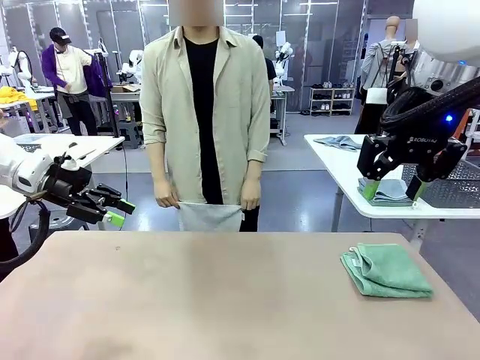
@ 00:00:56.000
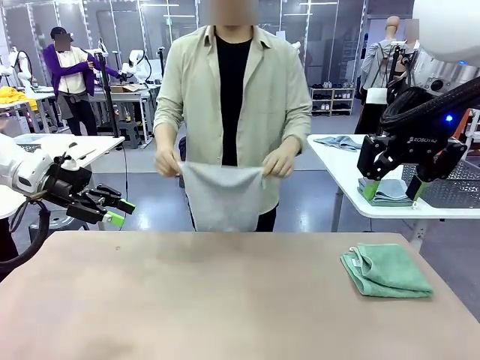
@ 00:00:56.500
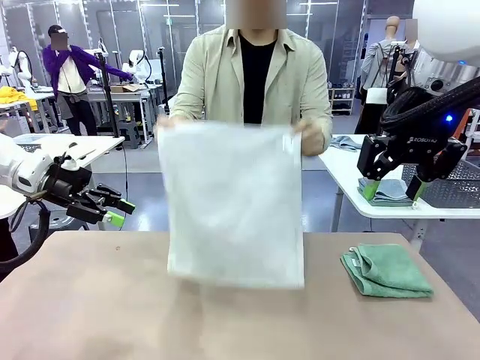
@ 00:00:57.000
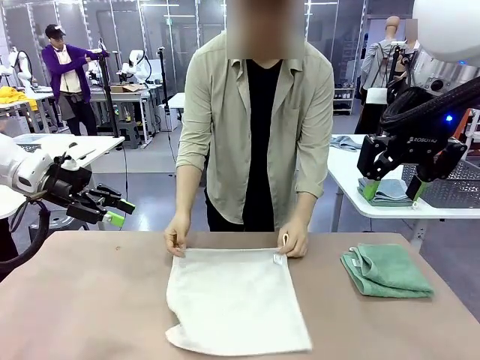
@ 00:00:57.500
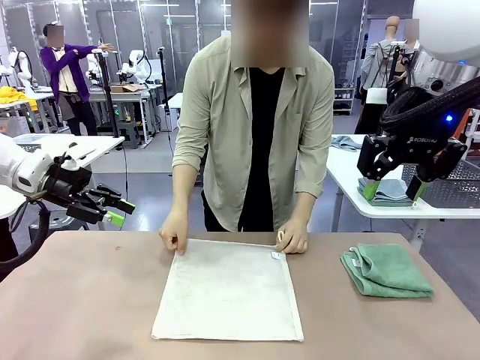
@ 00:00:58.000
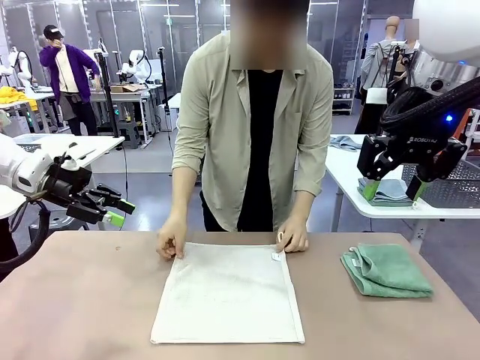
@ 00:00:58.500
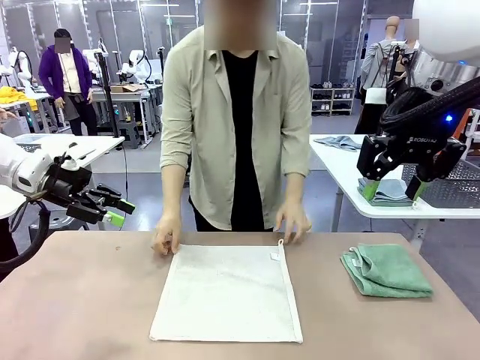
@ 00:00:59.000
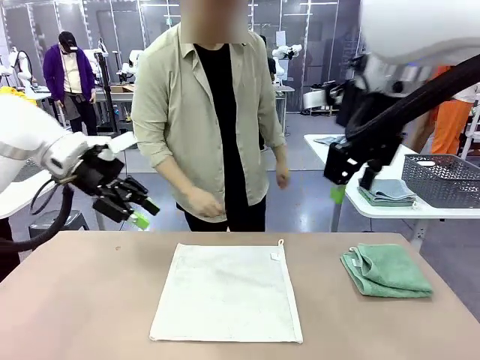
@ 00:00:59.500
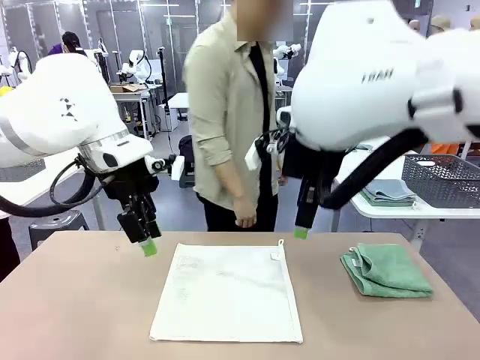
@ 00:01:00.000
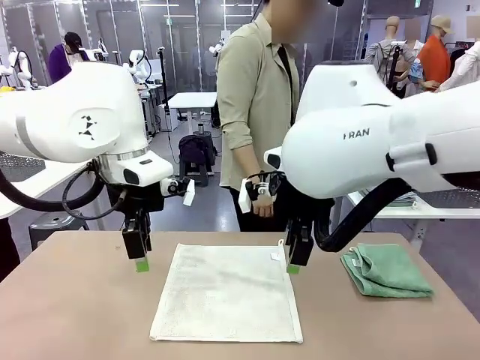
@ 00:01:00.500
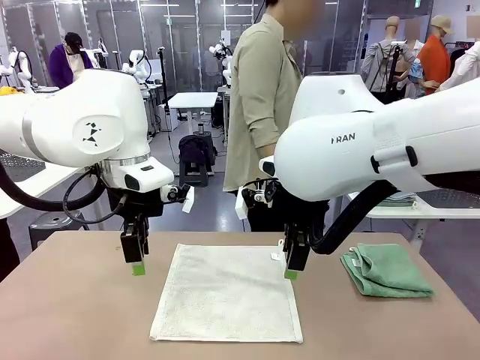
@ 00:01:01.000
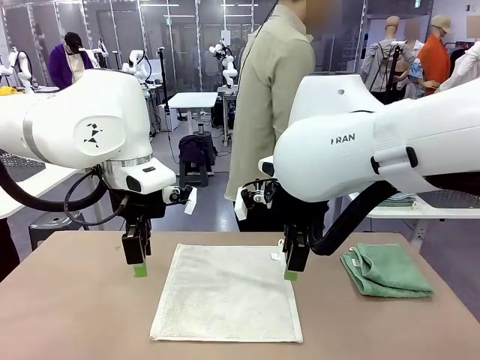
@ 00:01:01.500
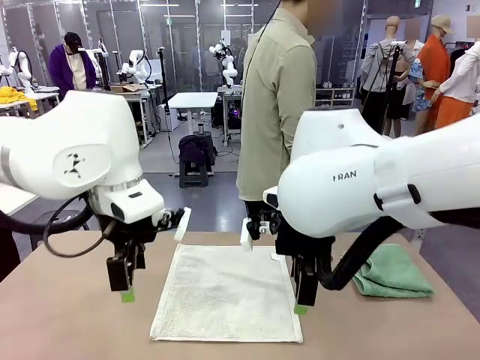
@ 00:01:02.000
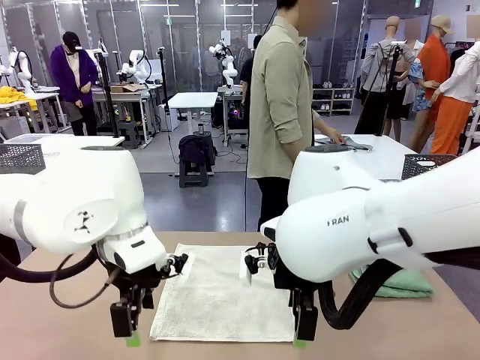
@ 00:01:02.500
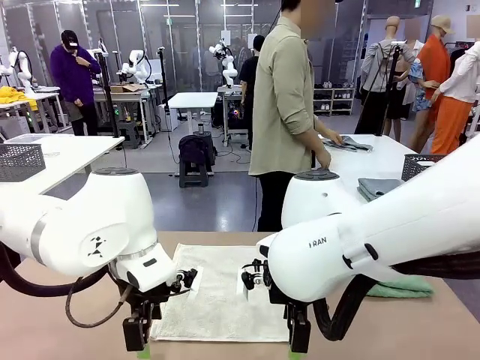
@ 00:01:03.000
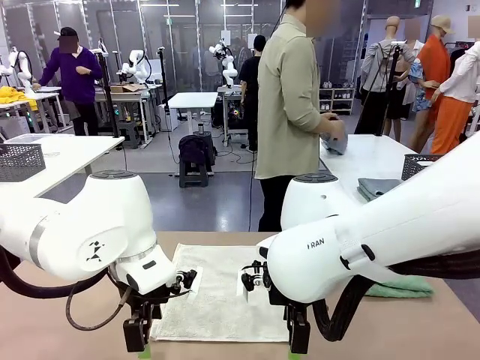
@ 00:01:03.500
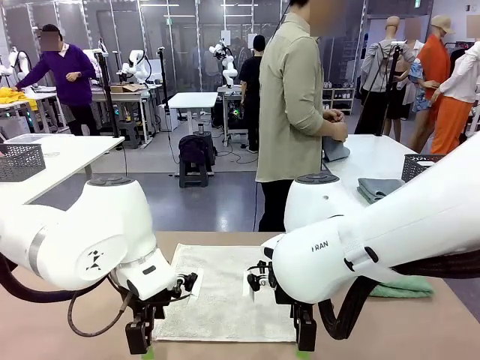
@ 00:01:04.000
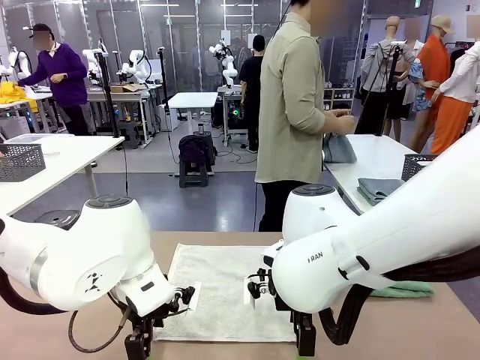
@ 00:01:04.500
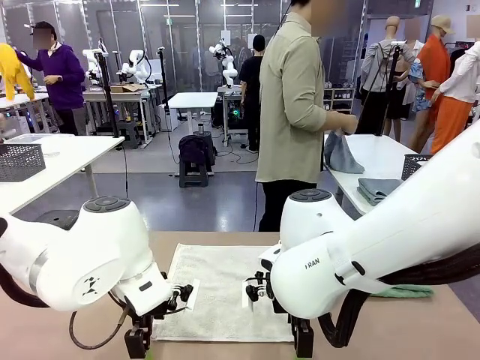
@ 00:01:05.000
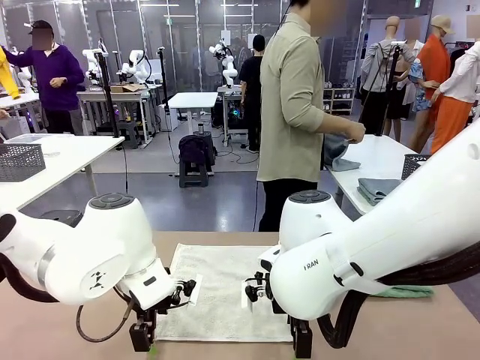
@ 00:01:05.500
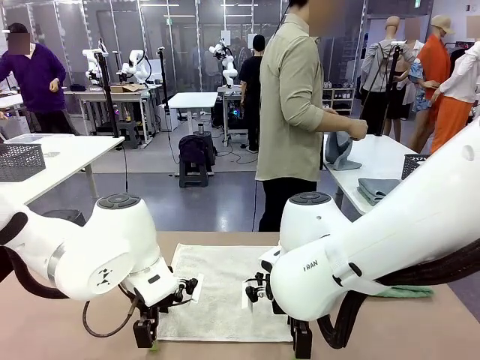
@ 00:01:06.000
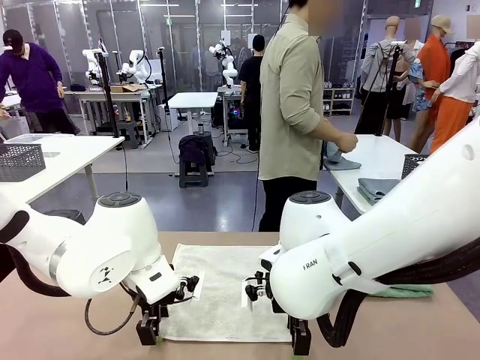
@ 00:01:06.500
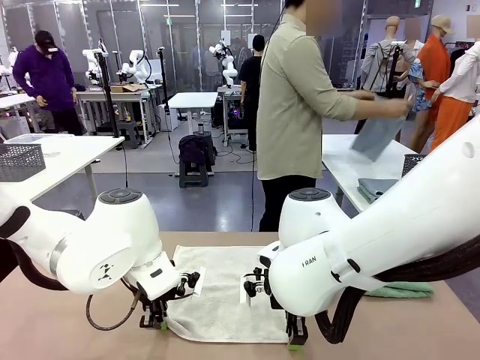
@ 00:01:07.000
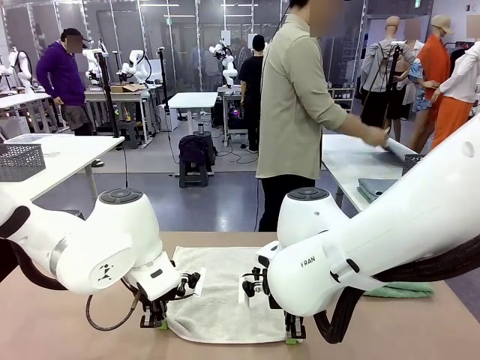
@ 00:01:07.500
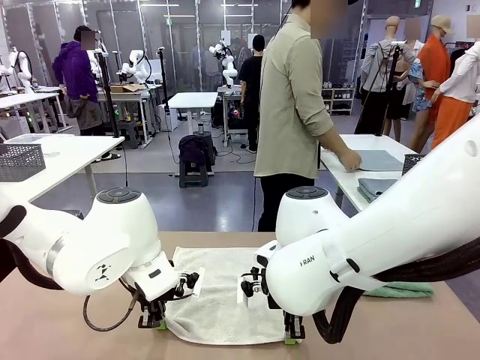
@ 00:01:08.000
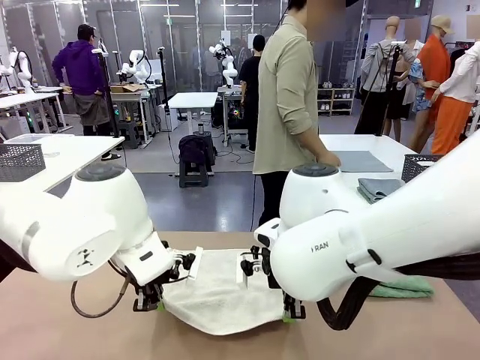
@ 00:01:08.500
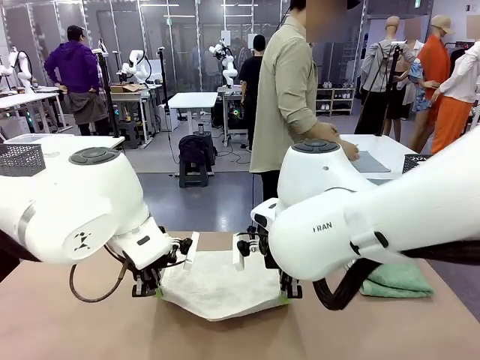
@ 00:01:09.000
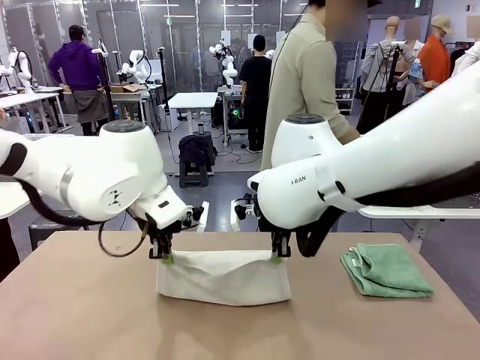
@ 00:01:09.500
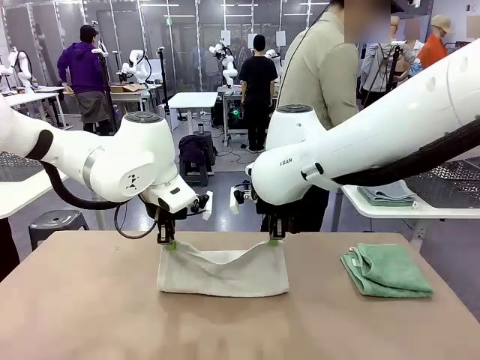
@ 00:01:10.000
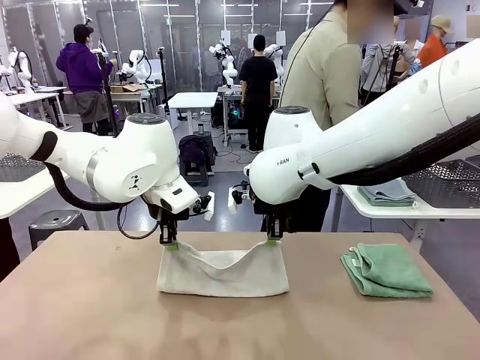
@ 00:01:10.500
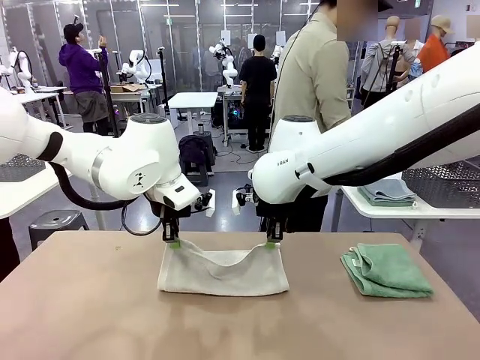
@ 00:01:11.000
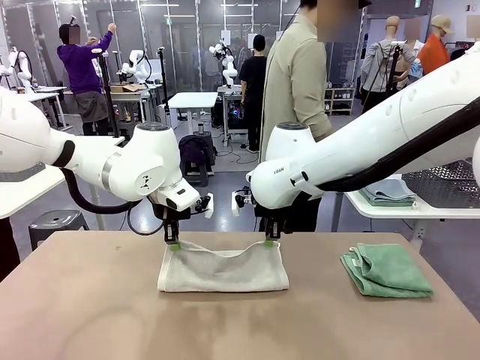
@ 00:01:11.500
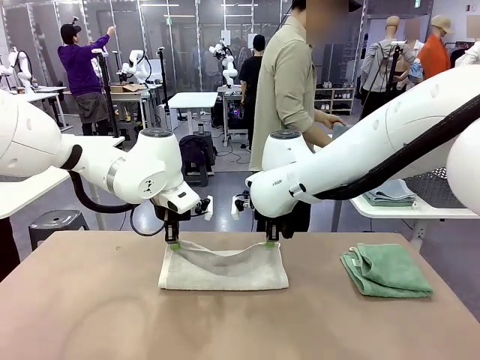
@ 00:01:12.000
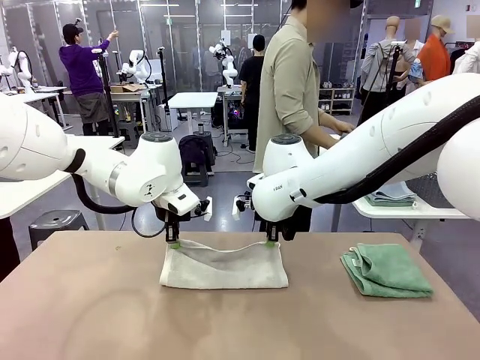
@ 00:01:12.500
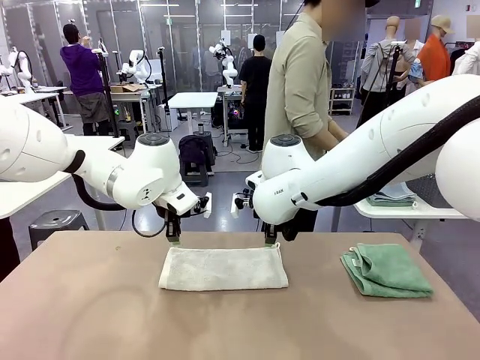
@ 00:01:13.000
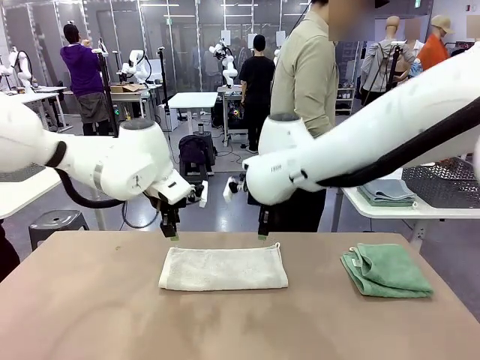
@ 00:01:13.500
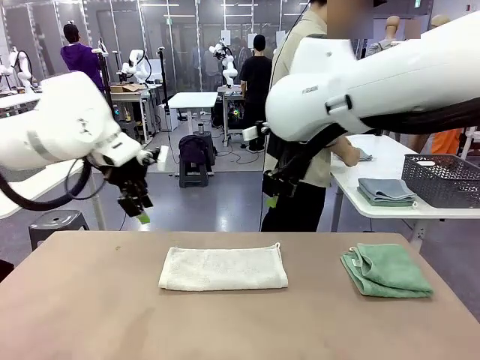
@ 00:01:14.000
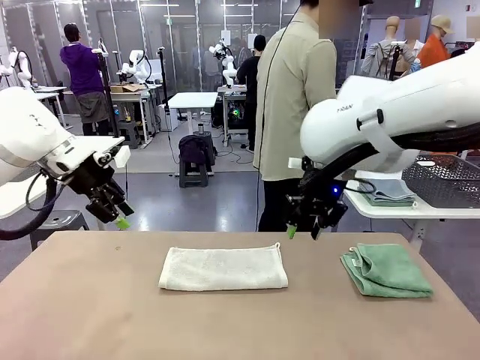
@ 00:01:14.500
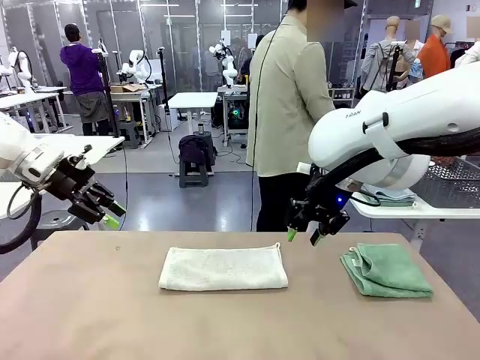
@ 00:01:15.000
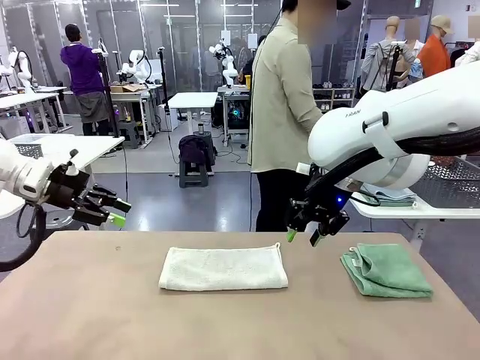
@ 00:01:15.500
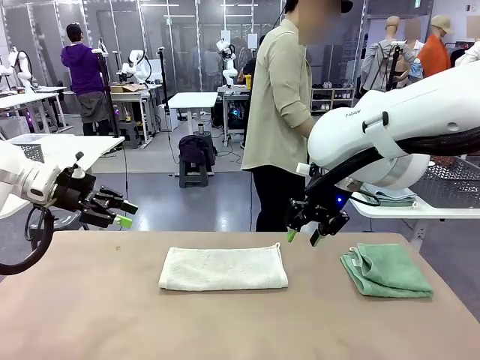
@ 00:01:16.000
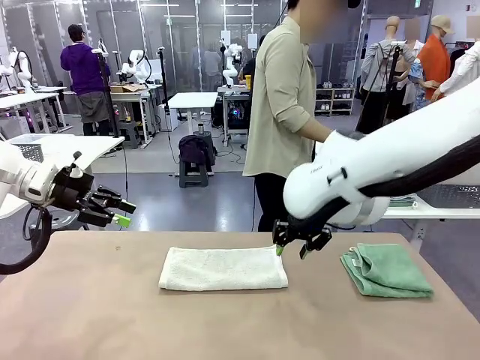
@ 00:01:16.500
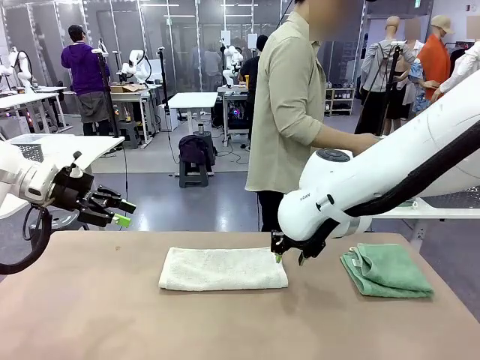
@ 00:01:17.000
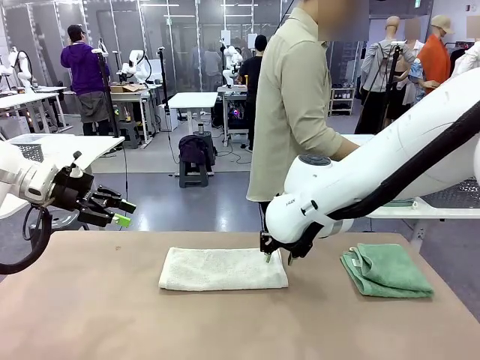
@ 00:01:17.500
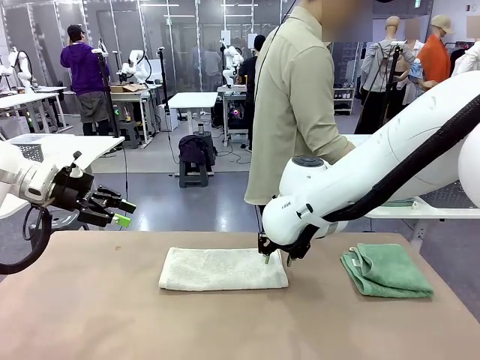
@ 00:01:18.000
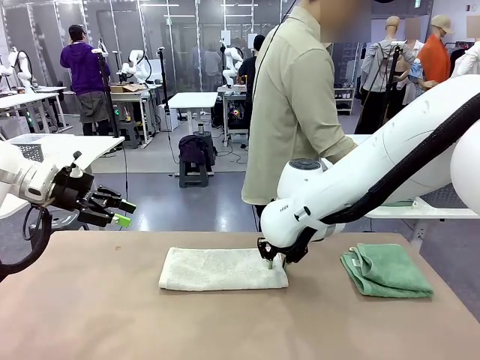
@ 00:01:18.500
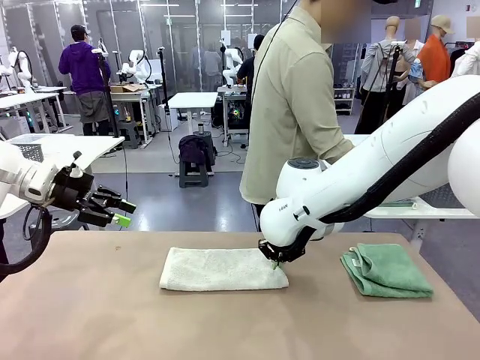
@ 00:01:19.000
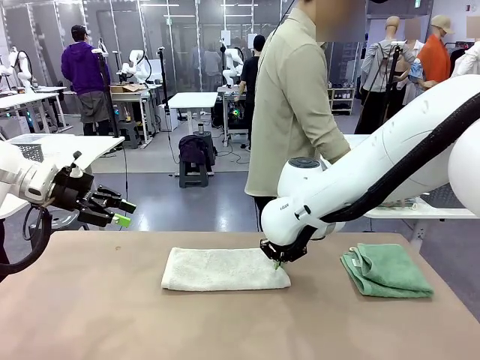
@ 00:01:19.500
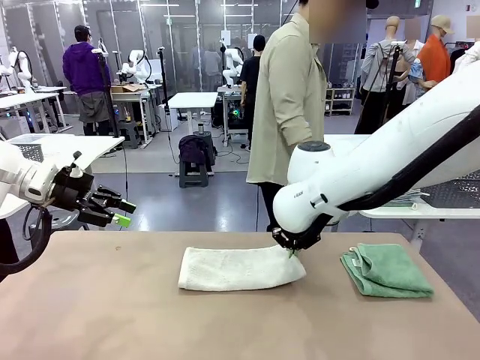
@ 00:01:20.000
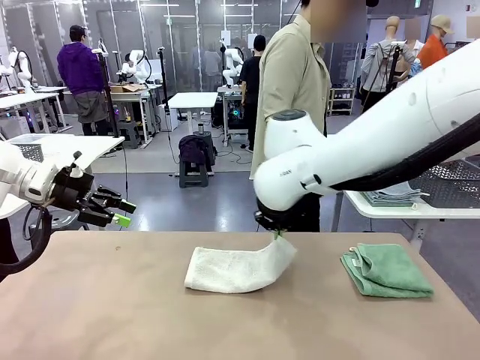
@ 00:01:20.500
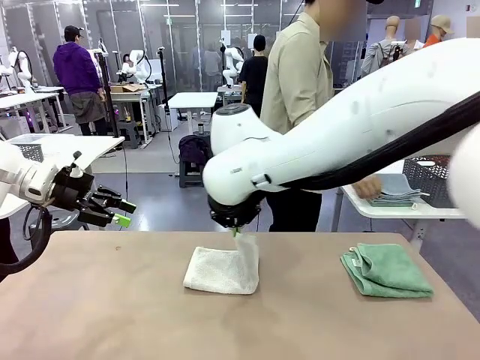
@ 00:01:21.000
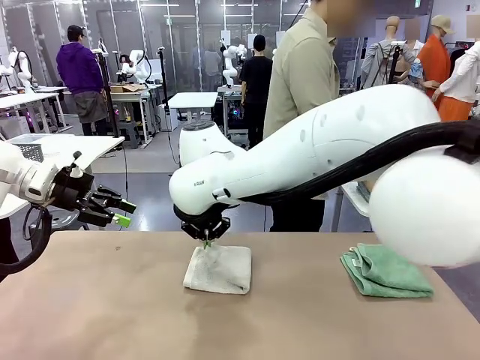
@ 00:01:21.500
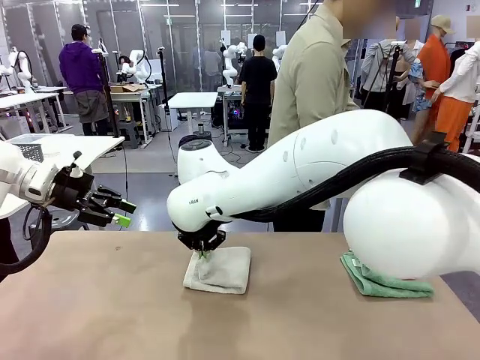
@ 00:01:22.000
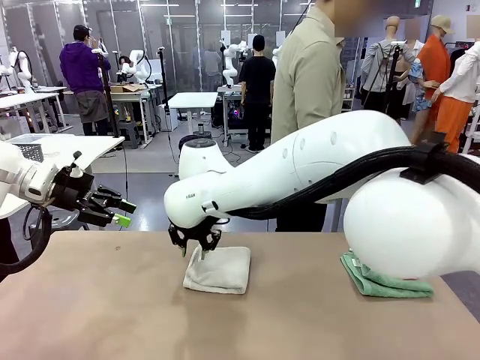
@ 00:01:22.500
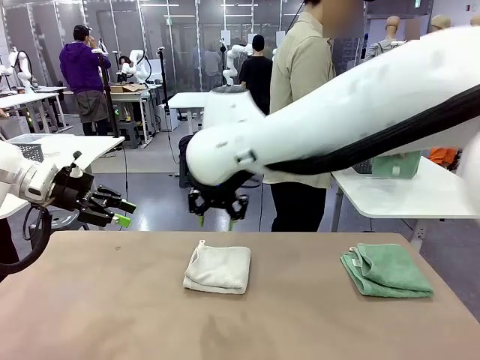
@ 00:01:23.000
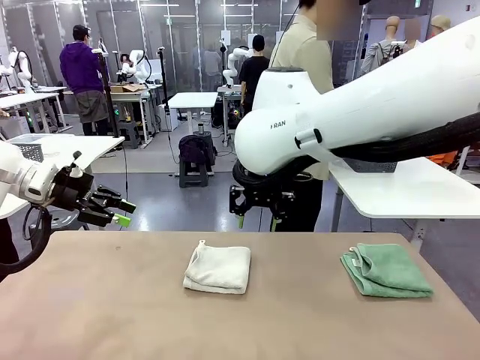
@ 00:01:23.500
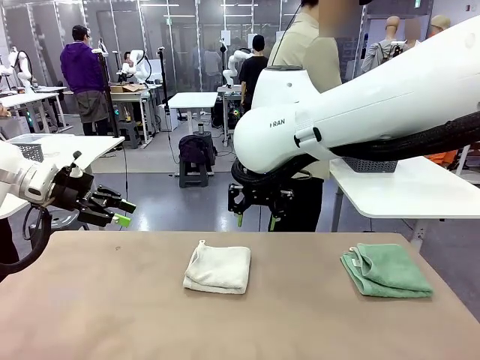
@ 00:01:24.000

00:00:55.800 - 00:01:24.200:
Task: Fold the towels and place them in the basket.
Robot: When a person lays out a Towel with hook on the table, fold it in half twice.
Person: Pick up one towel from the left side of the human table, fold it in half twice, and stack it on the right side of the table. Pick up the stack of towels from the right side of the human table, place it into the basket, and put the basket at the center of the table.
